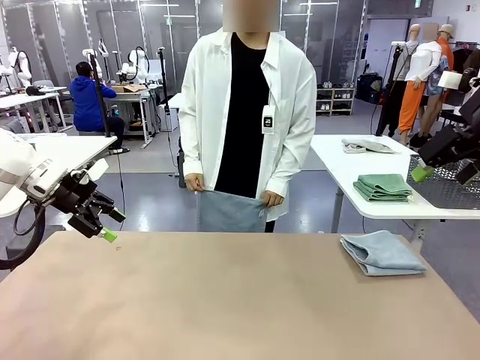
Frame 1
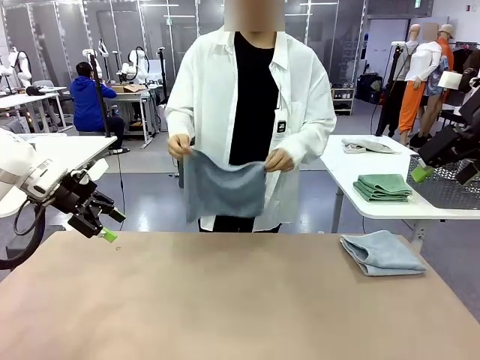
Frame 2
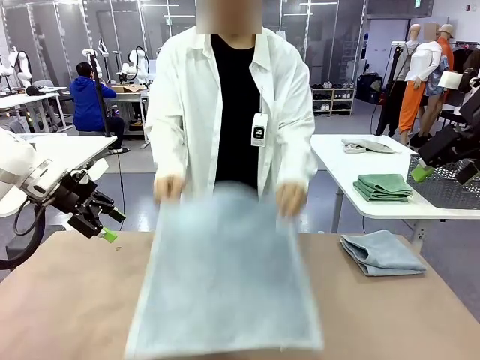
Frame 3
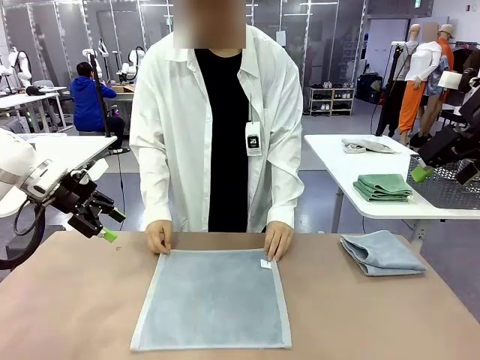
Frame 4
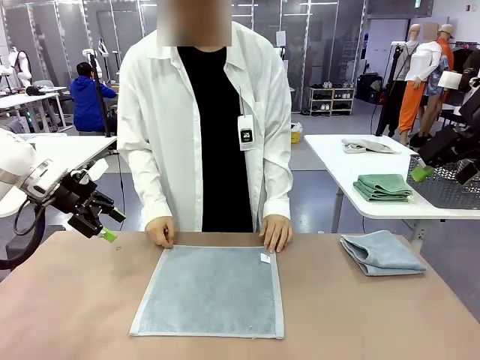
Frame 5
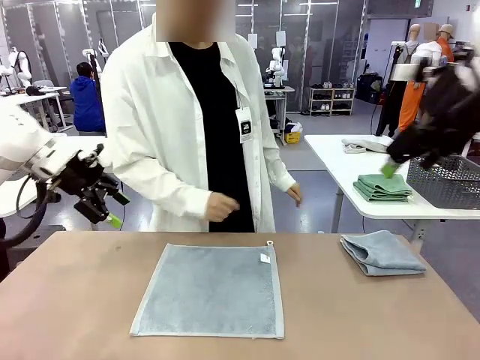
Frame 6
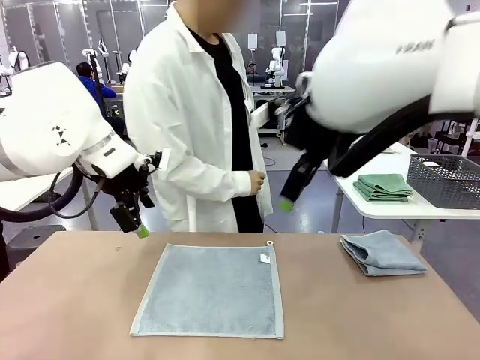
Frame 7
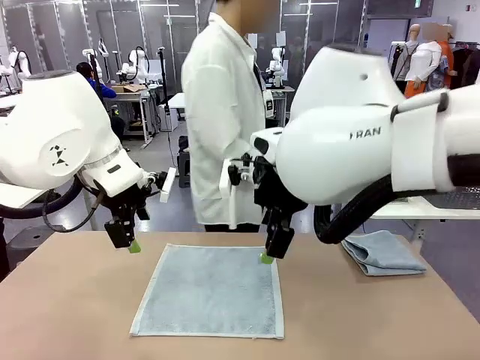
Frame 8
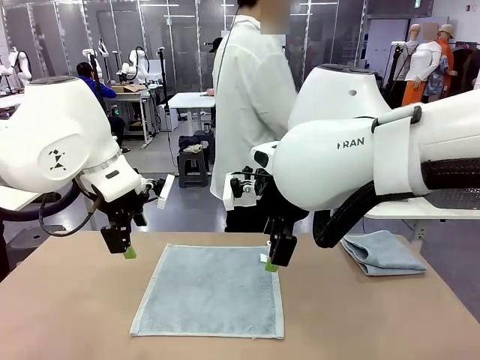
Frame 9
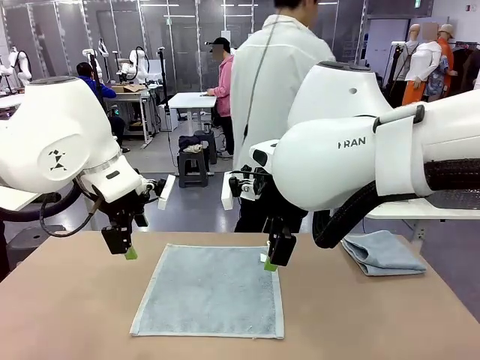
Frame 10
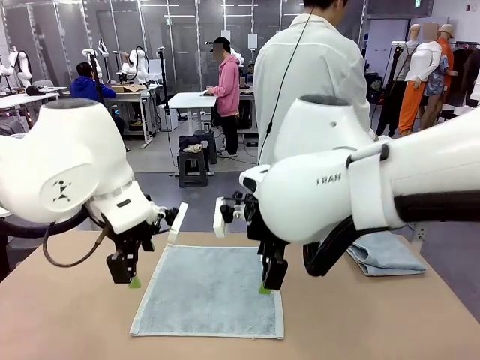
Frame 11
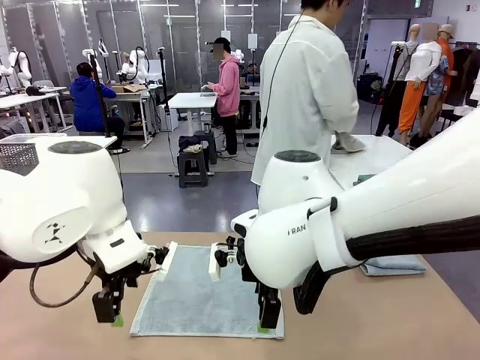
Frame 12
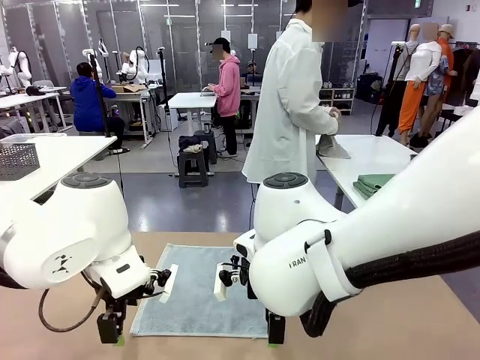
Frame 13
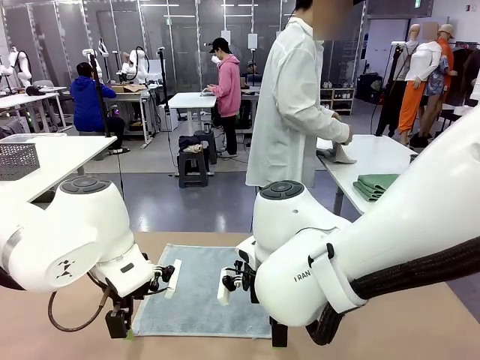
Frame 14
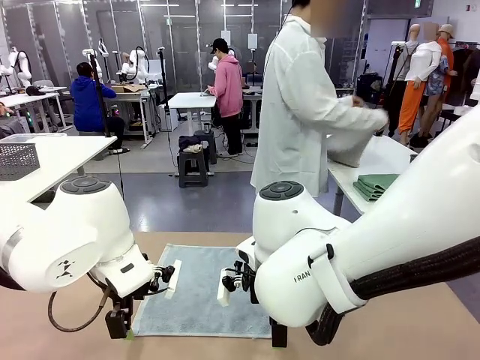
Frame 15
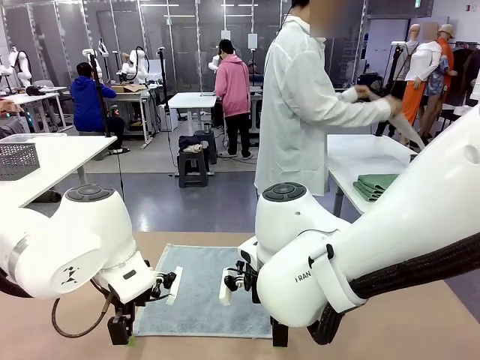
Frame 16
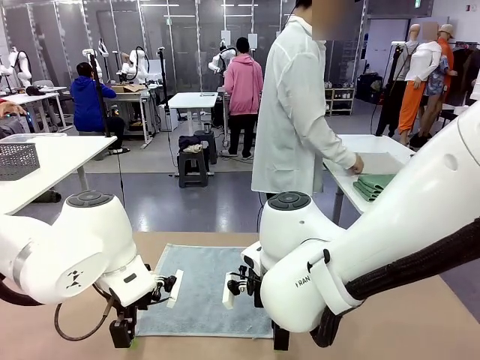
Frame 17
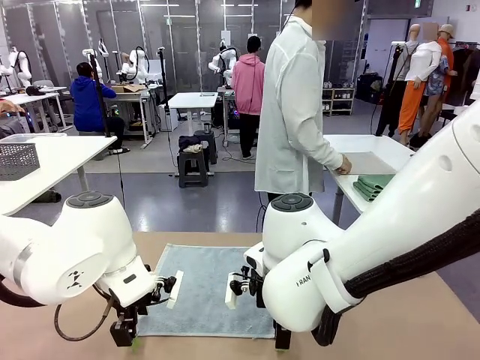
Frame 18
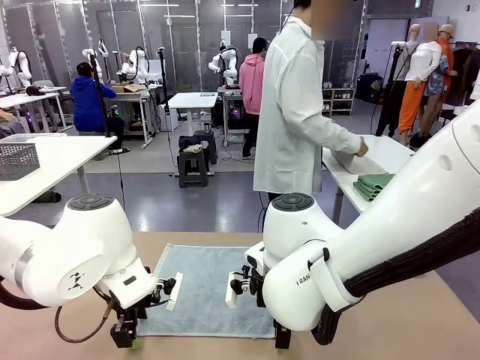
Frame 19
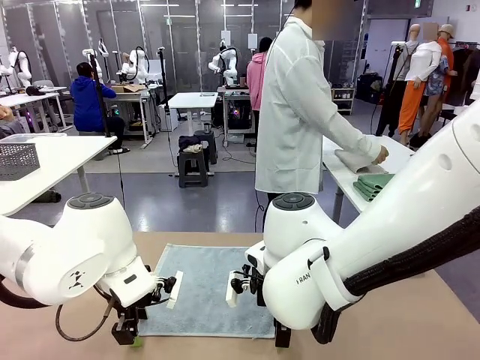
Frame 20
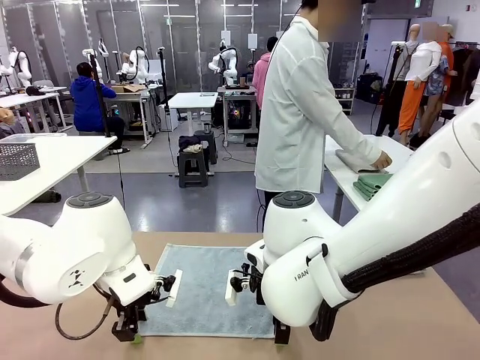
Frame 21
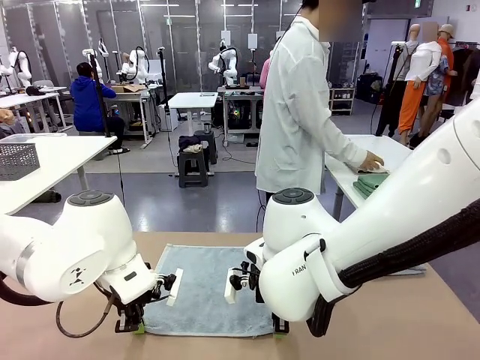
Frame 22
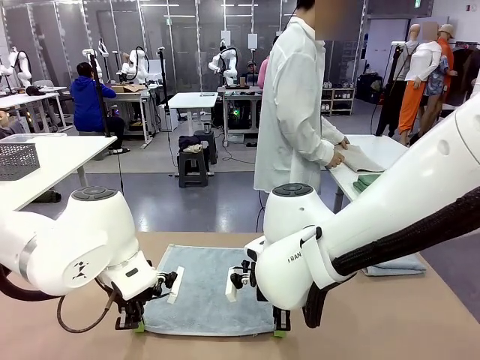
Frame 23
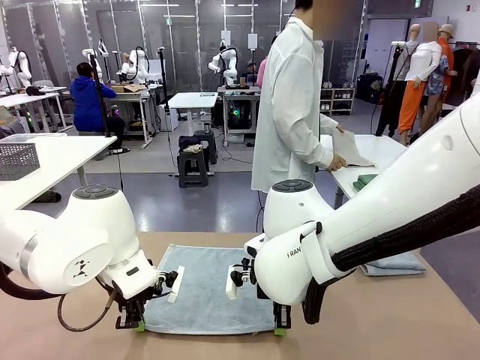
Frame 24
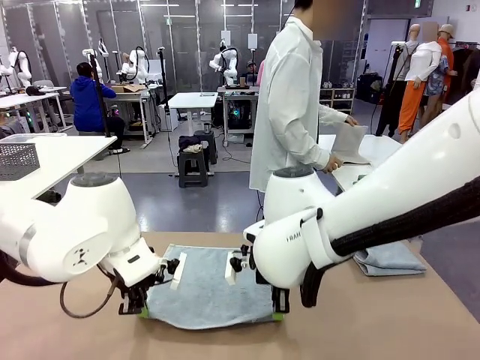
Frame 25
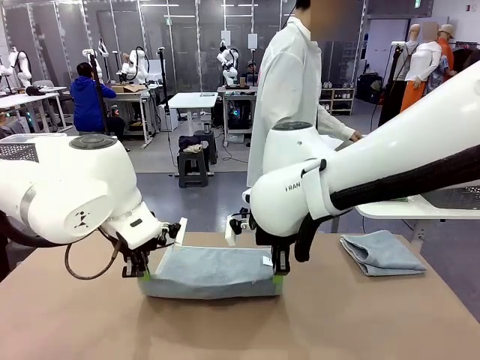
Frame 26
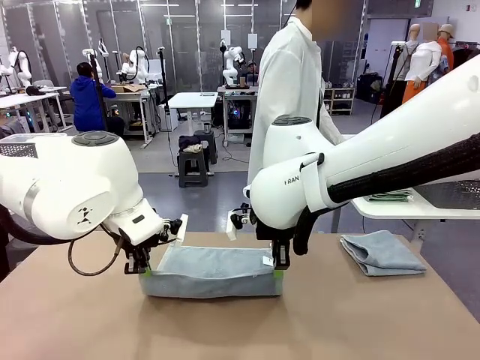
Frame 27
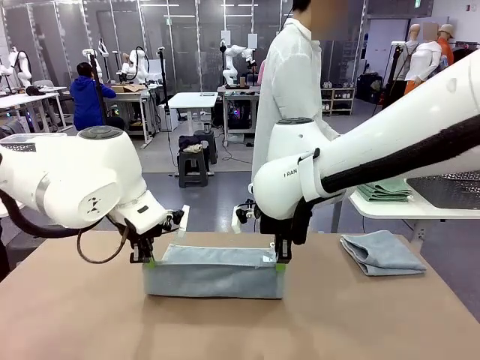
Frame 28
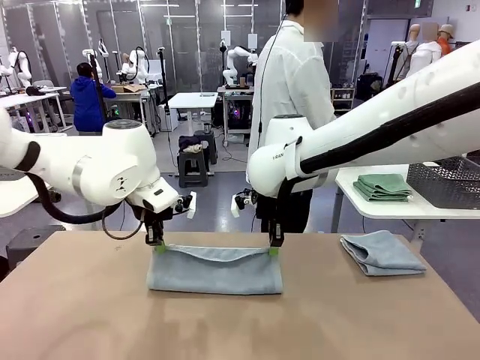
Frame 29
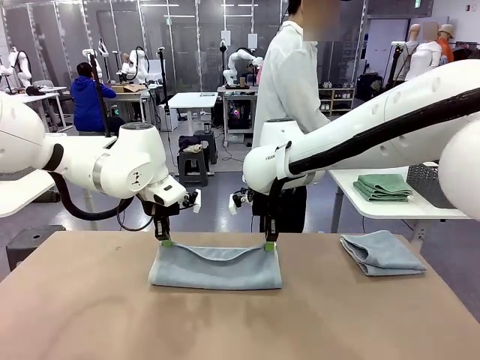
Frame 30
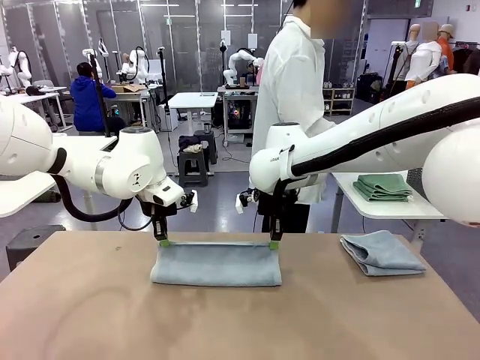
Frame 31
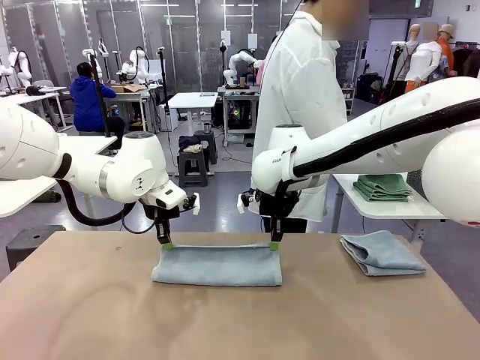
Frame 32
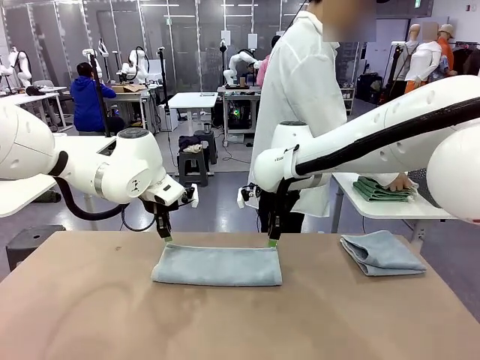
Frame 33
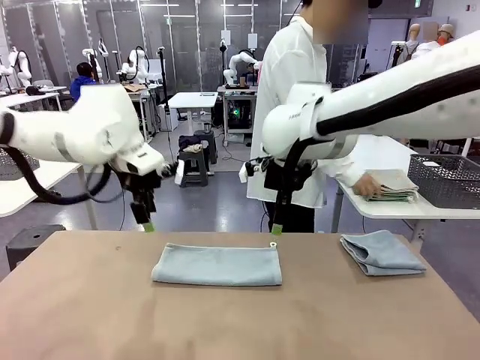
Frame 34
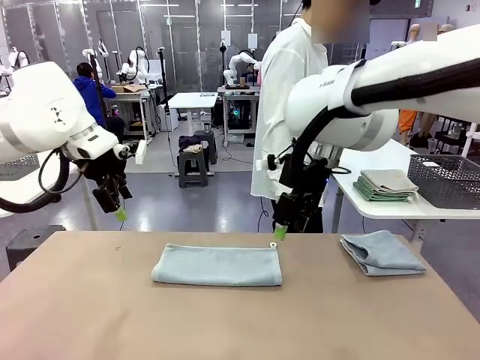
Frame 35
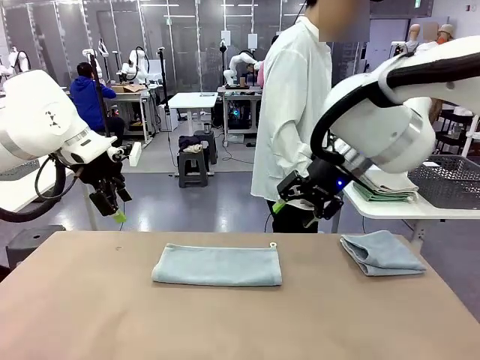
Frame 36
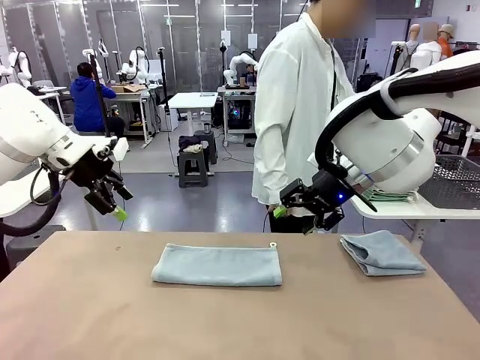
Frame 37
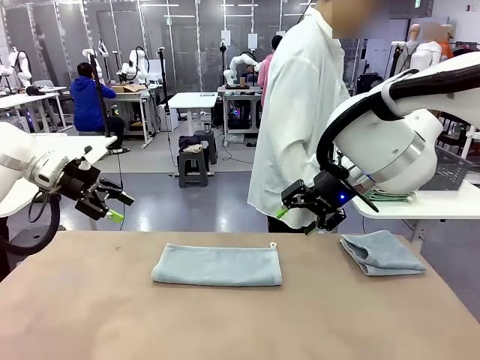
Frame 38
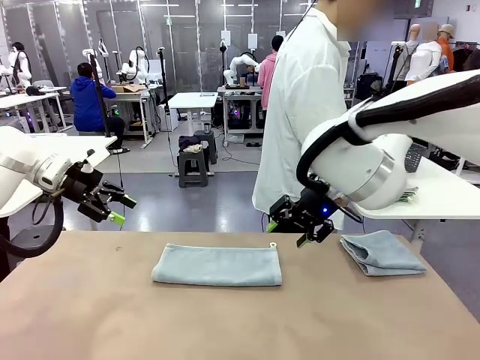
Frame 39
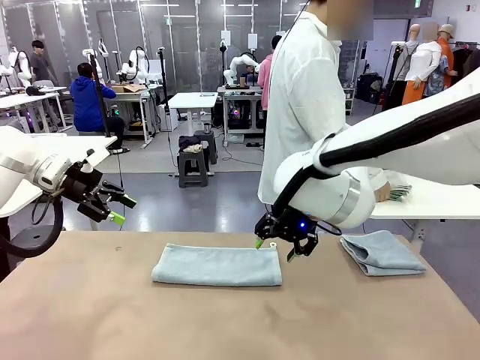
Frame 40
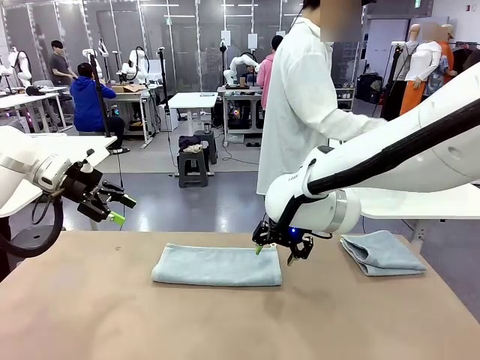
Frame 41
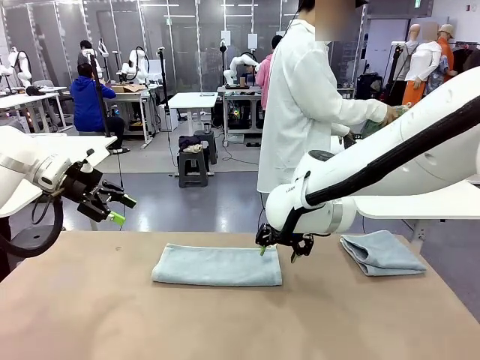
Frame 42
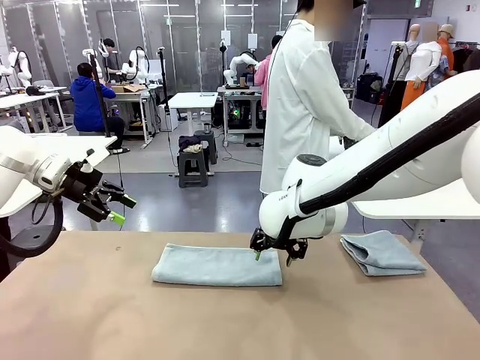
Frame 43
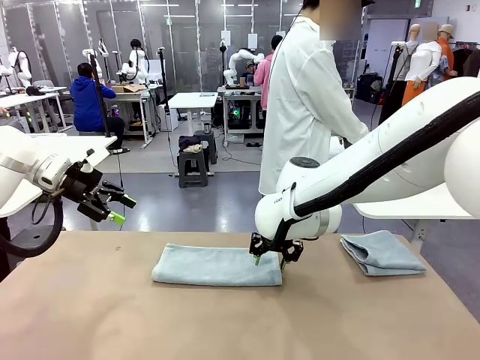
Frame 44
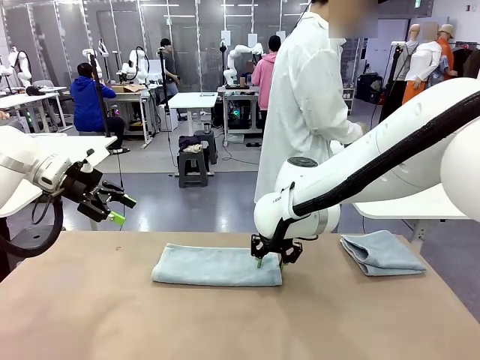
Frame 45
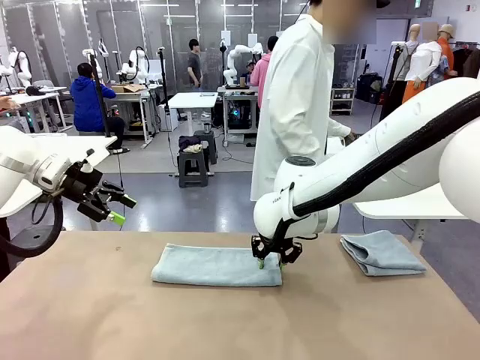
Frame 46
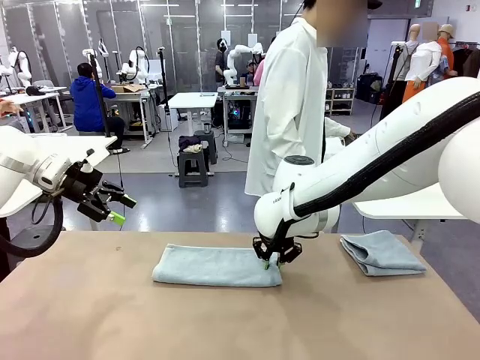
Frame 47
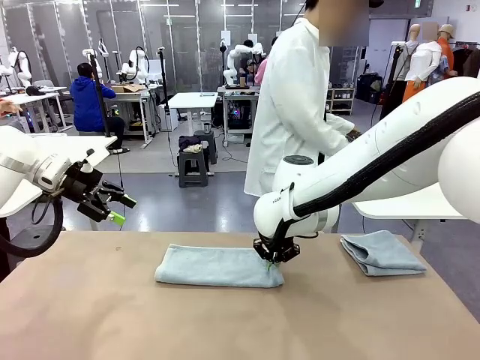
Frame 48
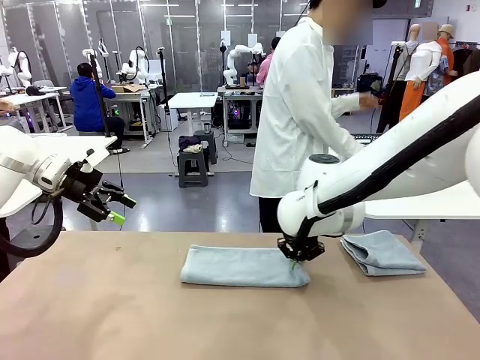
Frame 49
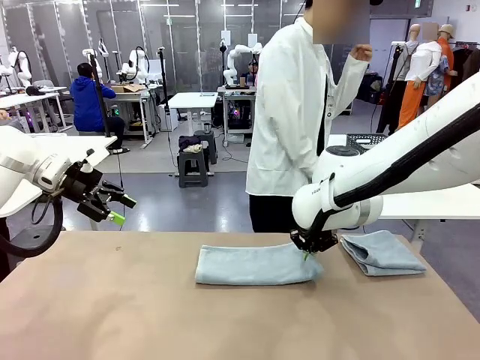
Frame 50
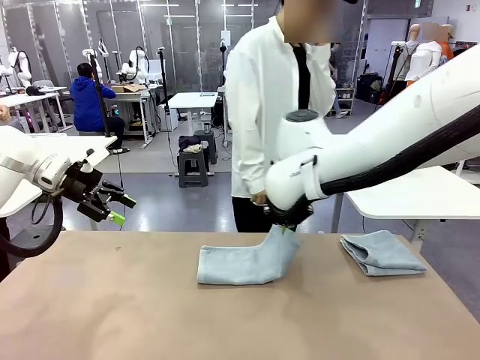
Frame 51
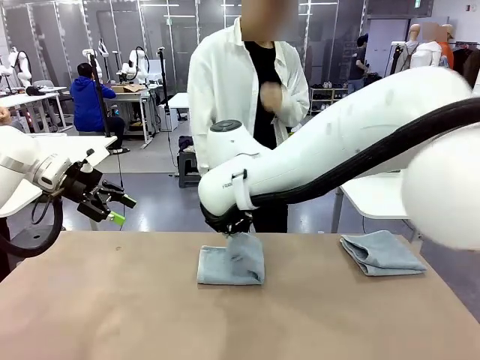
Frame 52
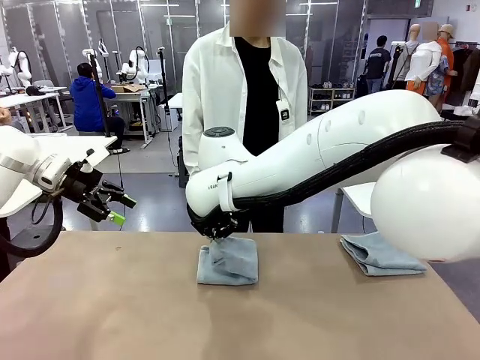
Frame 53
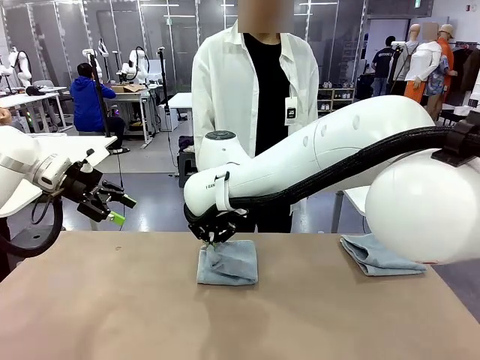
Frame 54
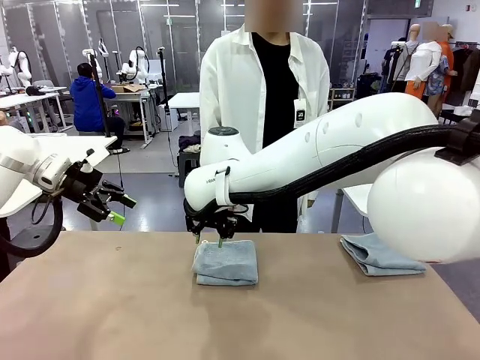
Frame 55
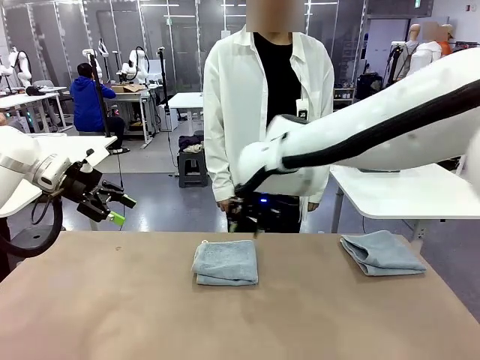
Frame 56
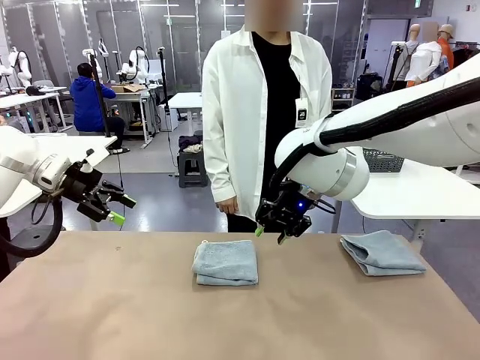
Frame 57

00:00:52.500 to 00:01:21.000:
Task: Fold the towels and place them in the basket.
Robot: When a person lays out a Towel with hook on the table, fold it in half twice.
Person: Pick up one towel from the left side of the human table, fold it in half twice, and stack it on the right side of the table. Pick up the stack of towels from the right side of the human table, place it into the basket, and put the basket at the center of the table.
